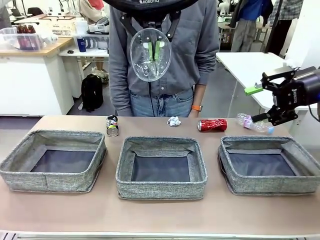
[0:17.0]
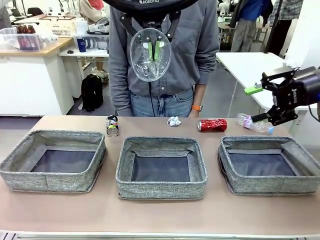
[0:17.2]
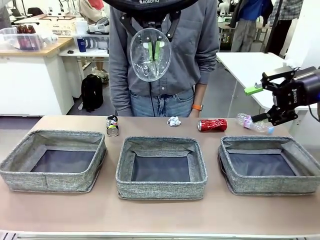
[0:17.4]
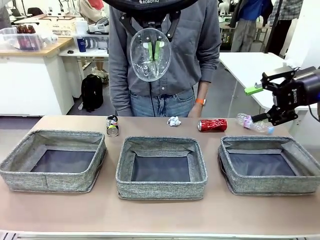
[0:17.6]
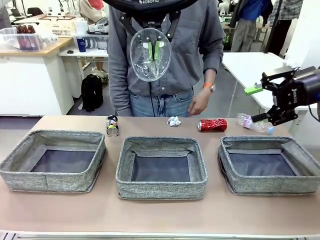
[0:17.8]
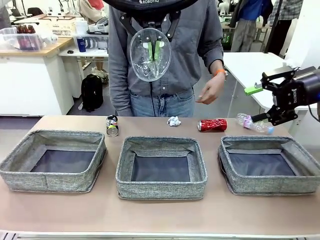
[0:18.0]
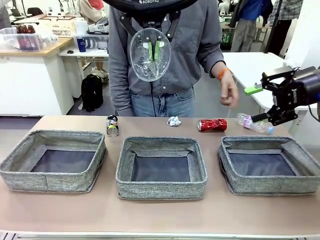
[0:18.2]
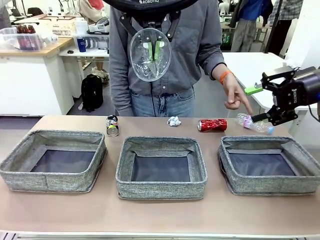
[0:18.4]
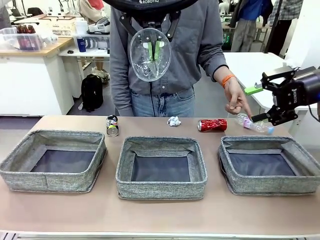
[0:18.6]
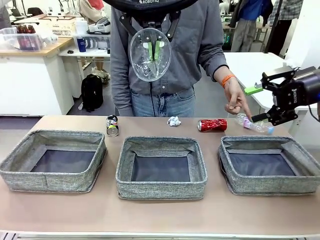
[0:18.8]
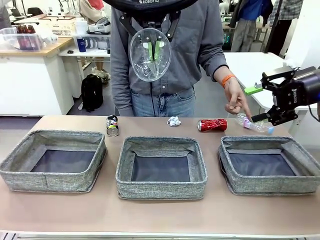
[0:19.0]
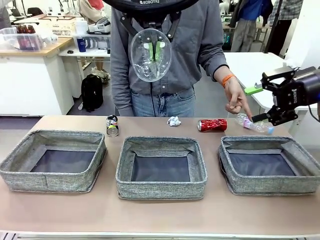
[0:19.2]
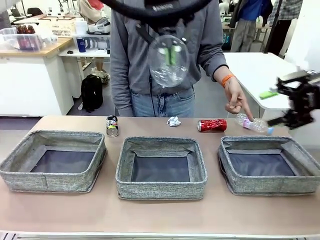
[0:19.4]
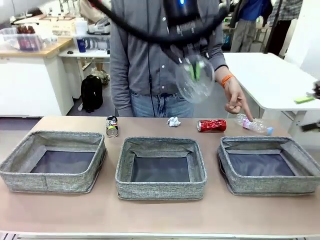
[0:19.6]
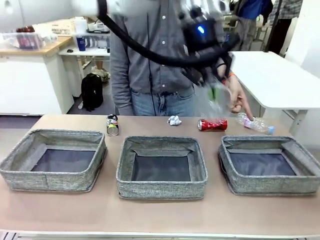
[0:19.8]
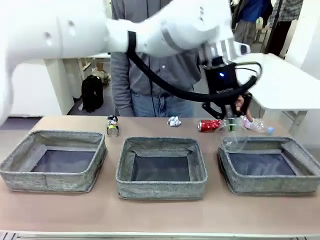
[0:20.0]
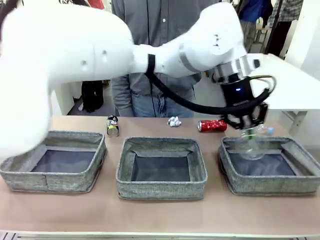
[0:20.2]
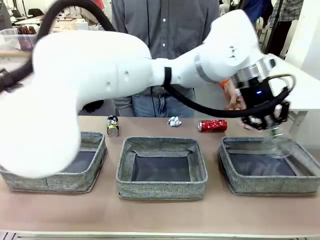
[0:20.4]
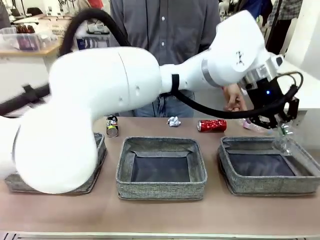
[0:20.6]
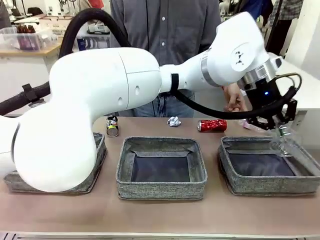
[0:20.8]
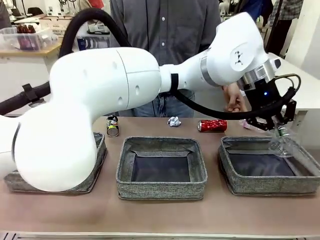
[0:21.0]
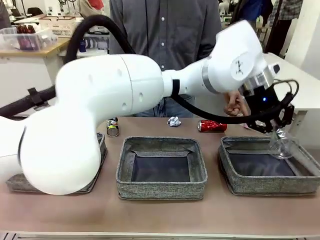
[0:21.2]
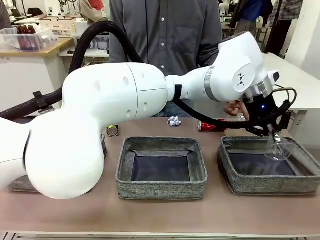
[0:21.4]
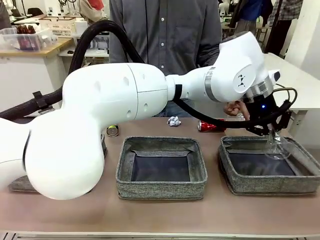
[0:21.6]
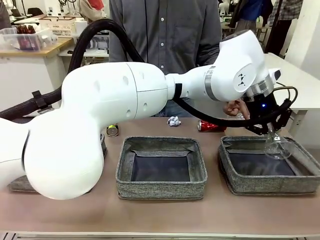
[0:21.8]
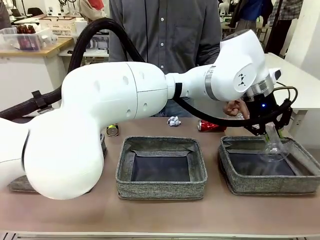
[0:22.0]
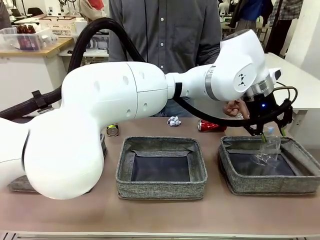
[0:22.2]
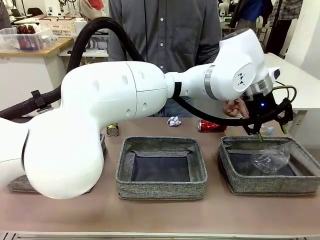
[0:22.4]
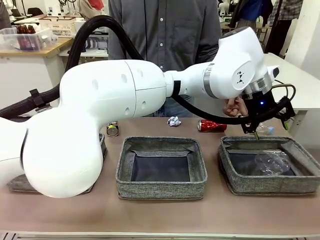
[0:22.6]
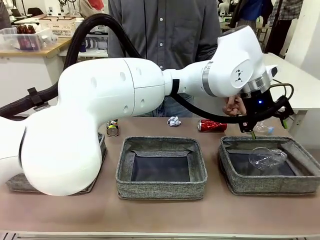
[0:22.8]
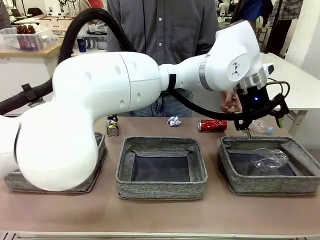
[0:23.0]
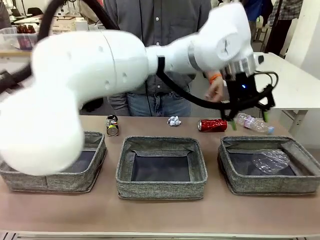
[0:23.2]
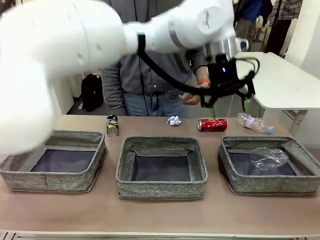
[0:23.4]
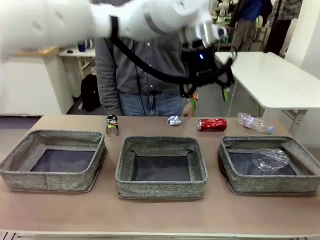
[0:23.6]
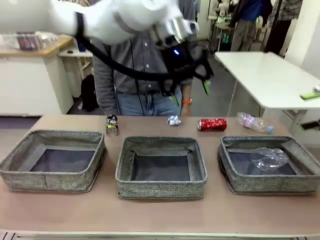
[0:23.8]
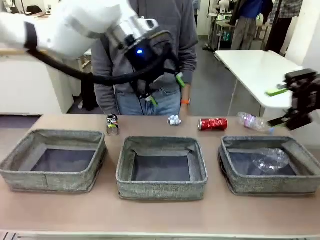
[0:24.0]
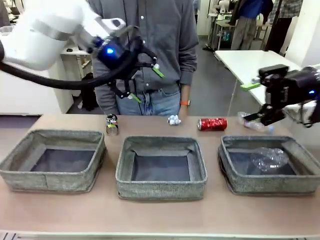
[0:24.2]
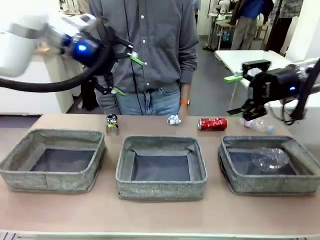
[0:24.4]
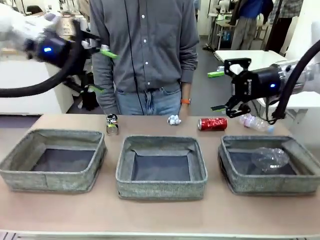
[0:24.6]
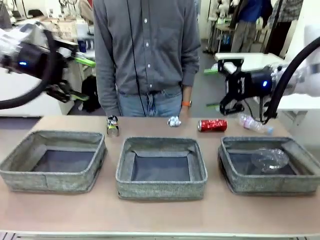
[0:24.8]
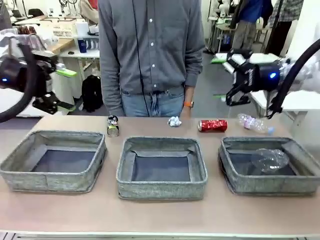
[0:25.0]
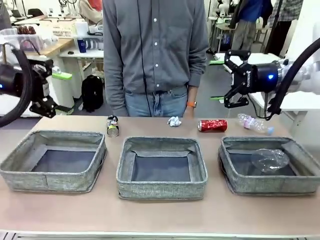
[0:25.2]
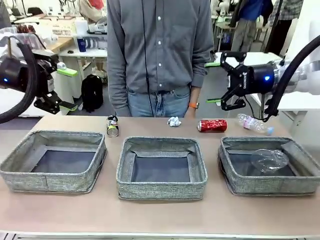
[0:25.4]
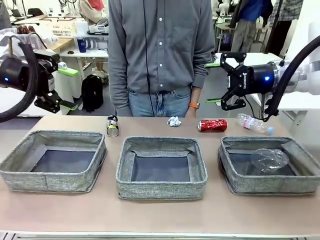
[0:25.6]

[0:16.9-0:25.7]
Task: Sort the waste into the appropriate baskets.
Robot: Place the picked waste into the Fabric basket indicated by the person.
Person: Instructs the robot to place the picked-up trash into the appropriate organizing basket.

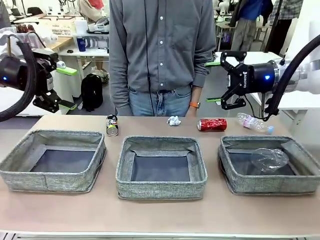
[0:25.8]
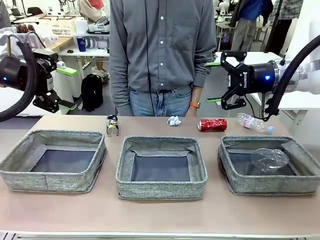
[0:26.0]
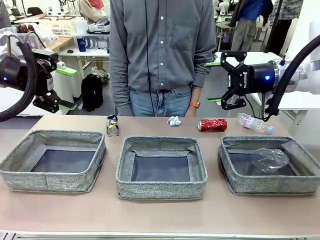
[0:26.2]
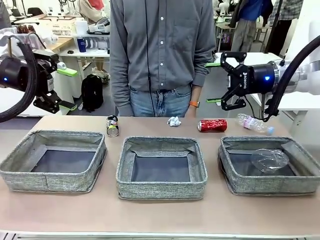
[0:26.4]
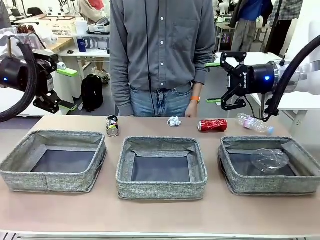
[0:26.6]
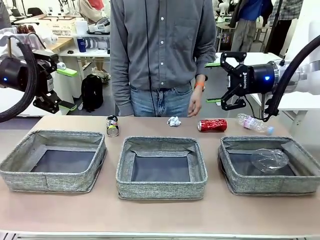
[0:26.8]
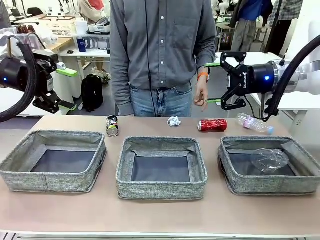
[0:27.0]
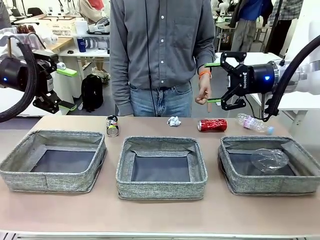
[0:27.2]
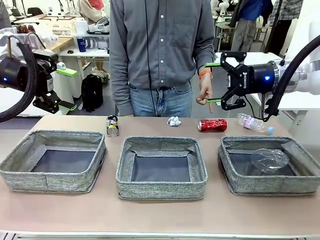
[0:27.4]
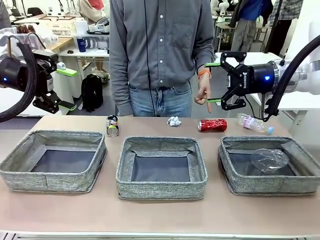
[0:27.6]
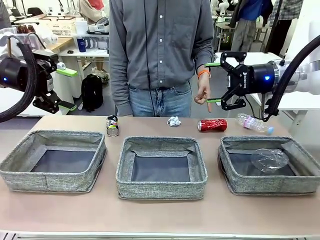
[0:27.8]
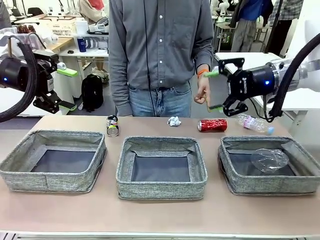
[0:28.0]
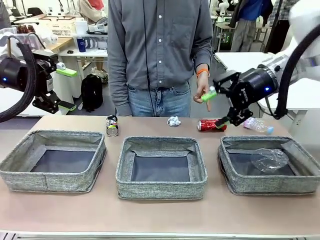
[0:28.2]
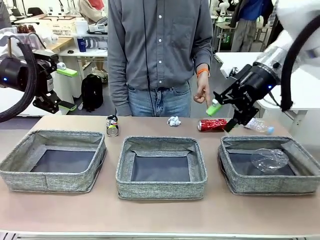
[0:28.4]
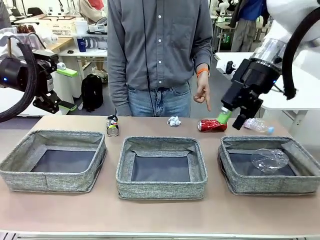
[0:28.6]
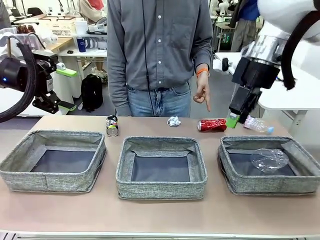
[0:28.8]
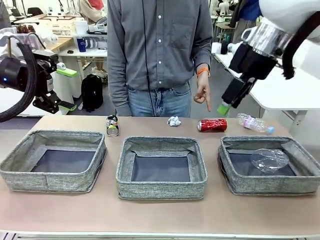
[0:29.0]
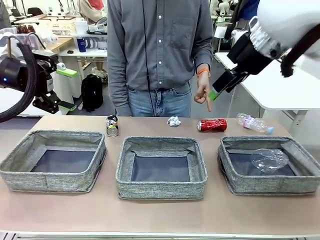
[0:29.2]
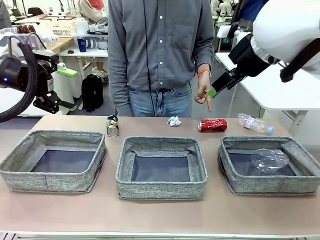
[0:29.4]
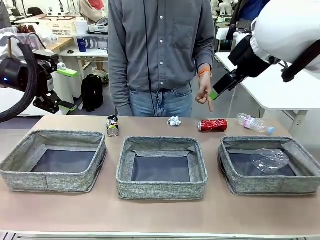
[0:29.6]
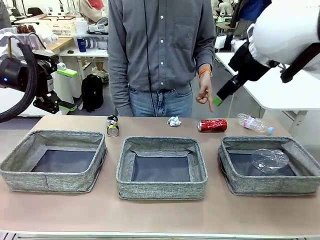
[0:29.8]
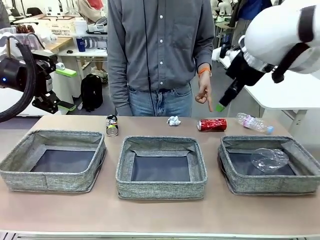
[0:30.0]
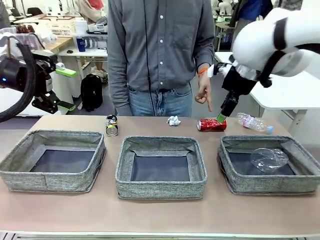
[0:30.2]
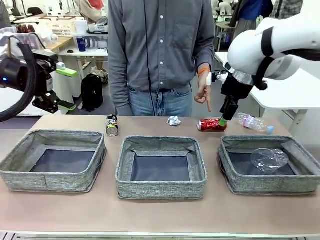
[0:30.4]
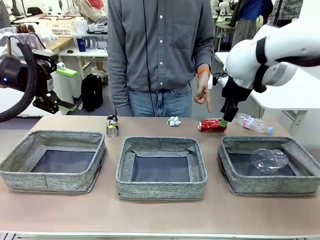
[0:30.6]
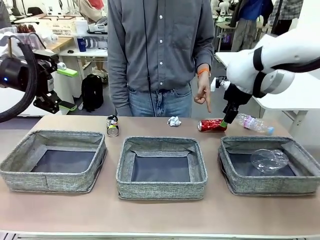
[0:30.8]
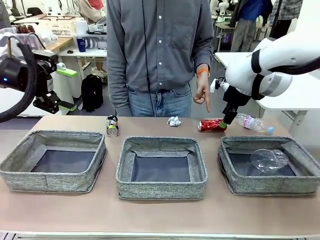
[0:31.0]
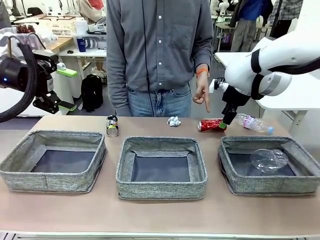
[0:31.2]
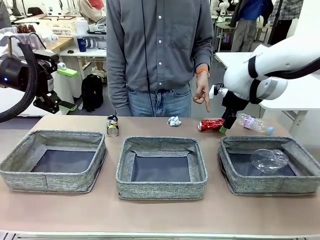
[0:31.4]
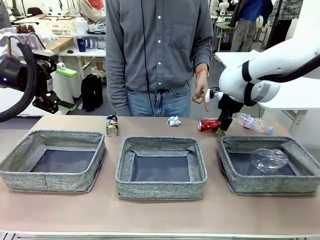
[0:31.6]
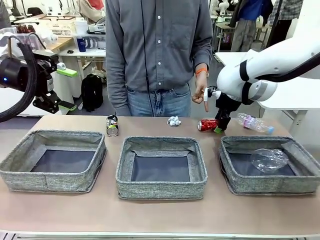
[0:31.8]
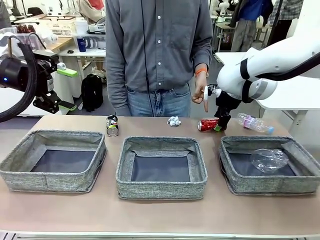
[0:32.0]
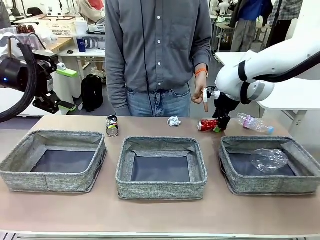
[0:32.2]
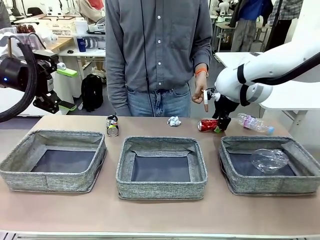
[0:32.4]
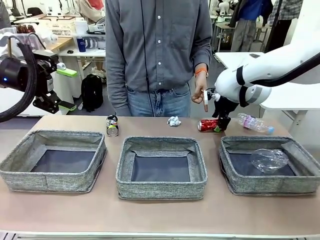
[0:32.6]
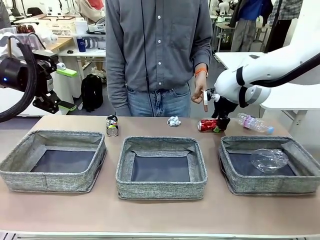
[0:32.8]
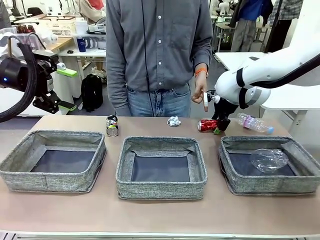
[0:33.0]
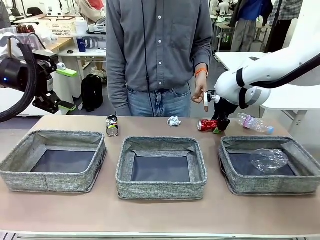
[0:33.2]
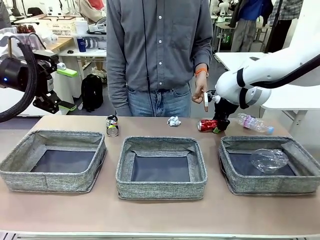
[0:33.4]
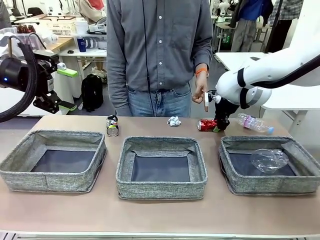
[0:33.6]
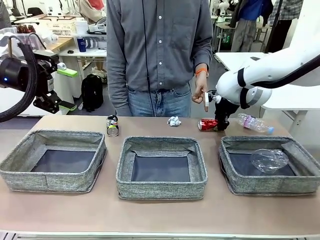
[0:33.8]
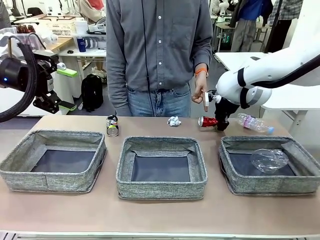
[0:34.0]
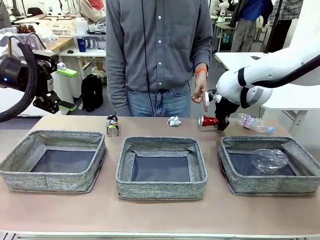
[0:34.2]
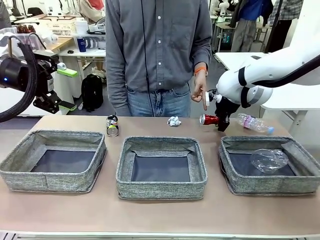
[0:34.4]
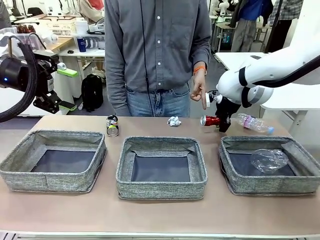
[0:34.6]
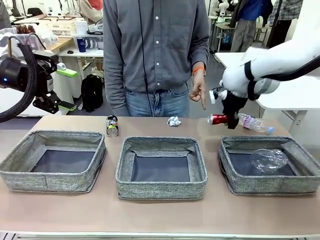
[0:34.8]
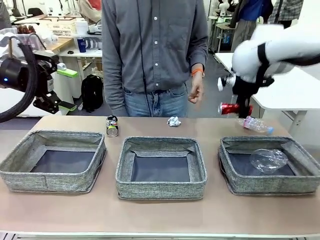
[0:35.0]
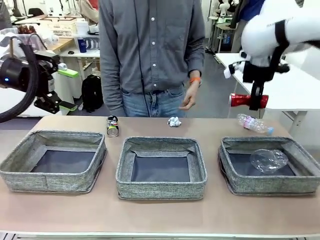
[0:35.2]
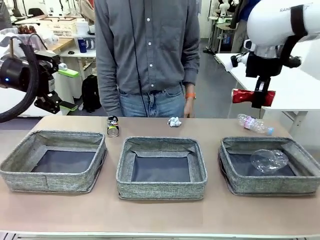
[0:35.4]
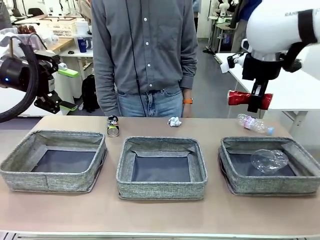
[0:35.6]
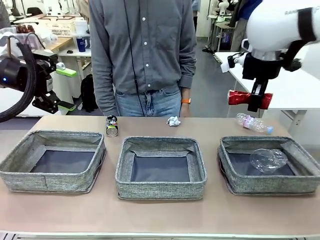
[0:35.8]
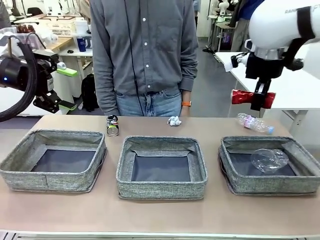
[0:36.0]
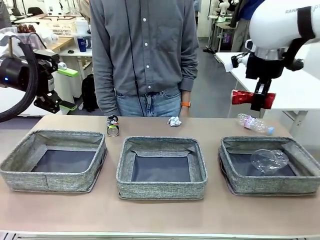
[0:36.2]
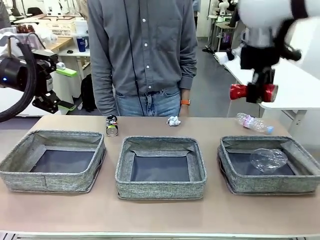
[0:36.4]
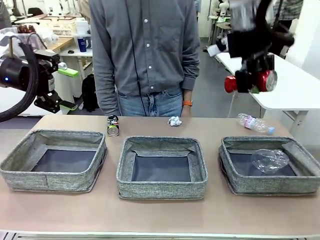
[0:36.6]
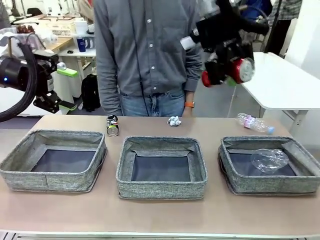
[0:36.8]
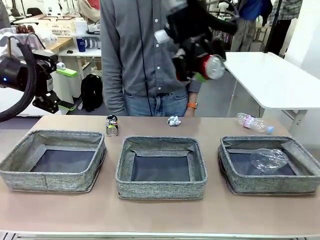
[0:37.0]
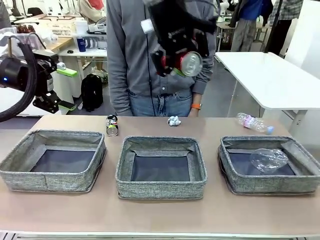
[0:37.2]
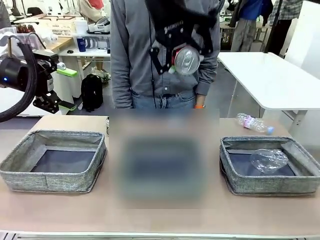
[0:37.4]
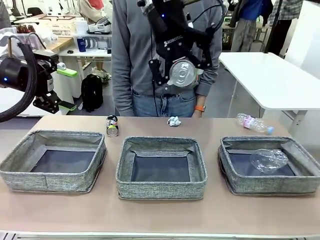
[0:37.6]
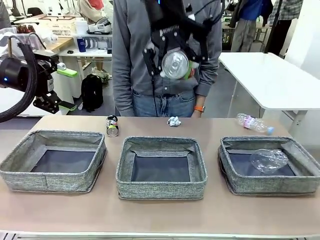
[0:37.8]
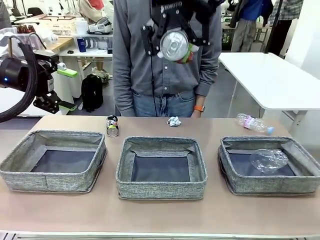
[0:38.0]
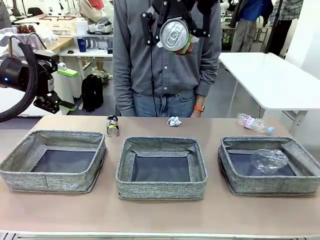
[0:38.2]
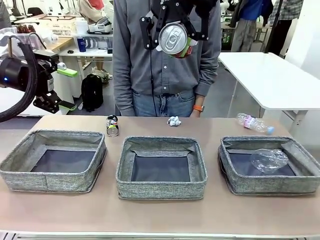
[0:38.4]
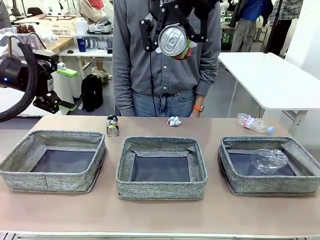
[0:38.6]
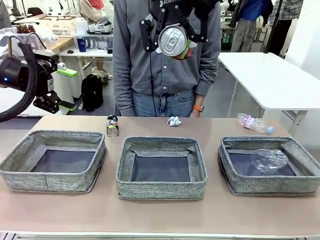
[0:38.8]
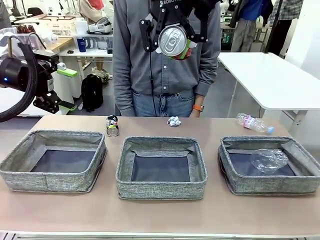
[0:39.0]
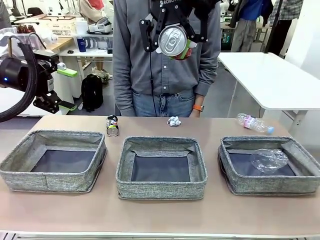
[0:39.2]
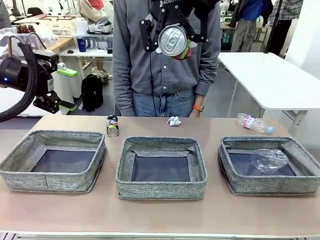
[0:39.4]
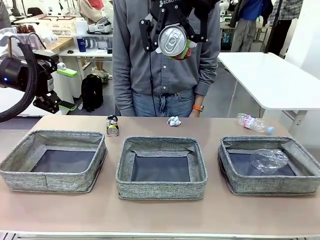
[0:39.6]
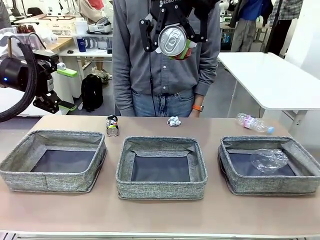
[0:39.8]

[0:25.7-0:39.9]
Robot: Pick up the waste item pointed out by the person.
Person: Points to one piece of trash on the table.
